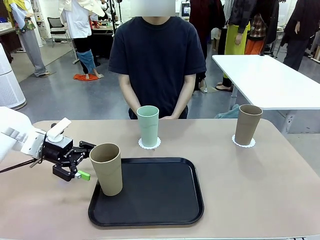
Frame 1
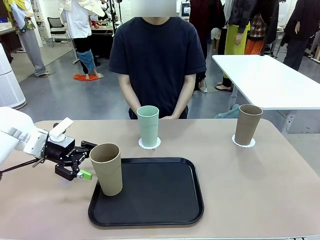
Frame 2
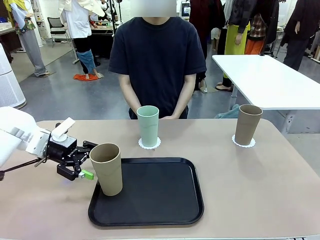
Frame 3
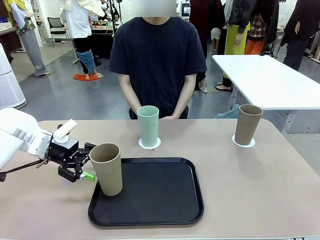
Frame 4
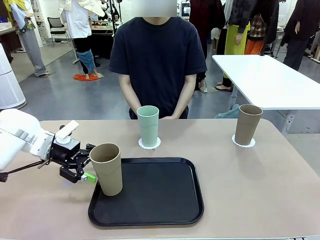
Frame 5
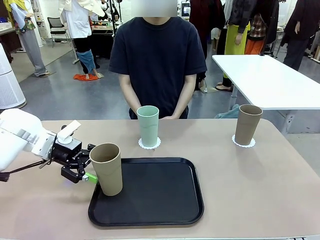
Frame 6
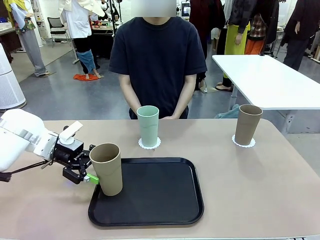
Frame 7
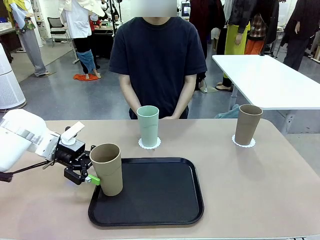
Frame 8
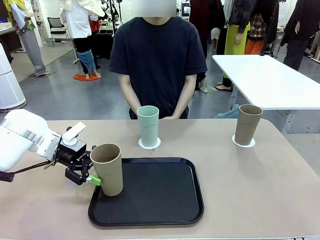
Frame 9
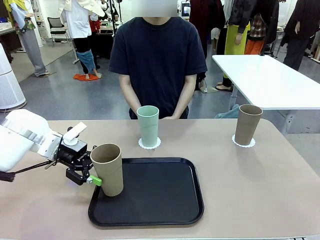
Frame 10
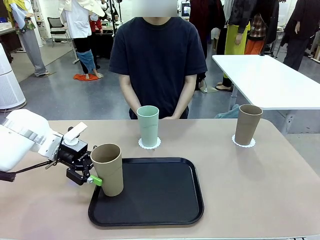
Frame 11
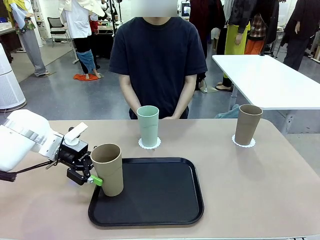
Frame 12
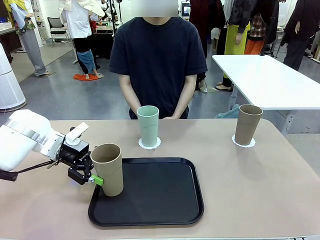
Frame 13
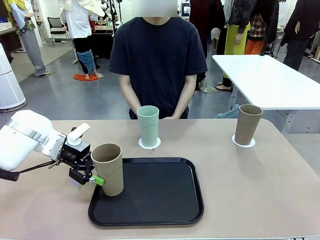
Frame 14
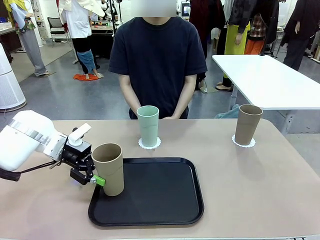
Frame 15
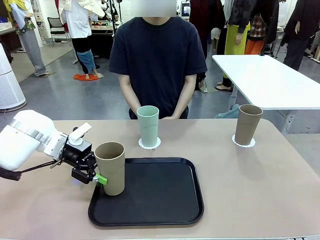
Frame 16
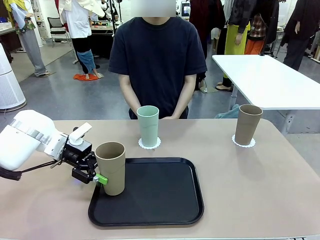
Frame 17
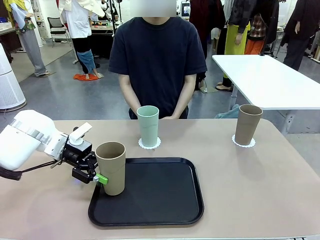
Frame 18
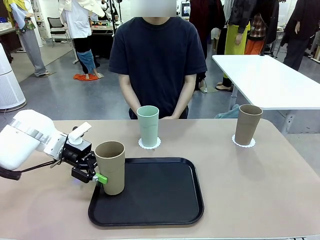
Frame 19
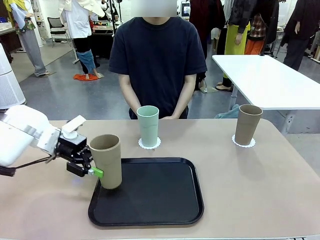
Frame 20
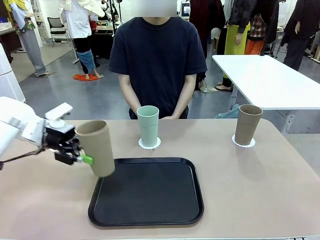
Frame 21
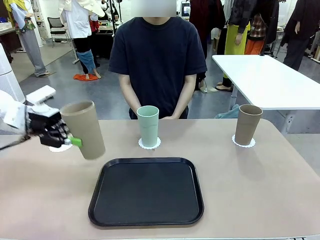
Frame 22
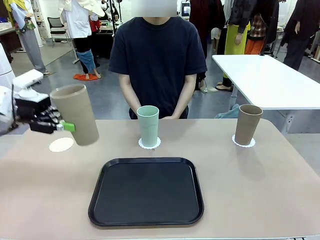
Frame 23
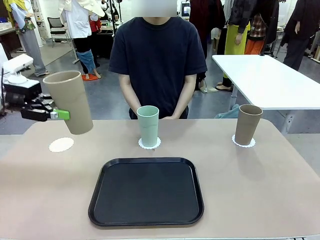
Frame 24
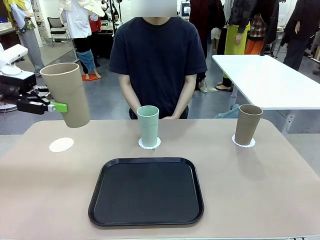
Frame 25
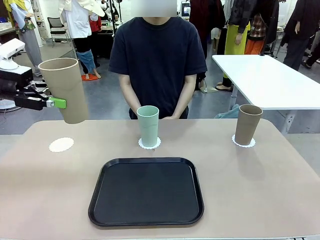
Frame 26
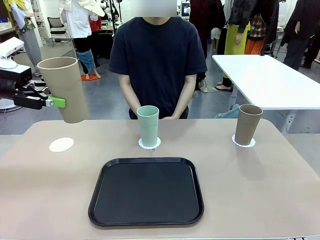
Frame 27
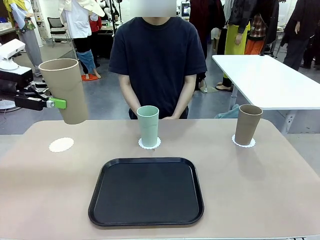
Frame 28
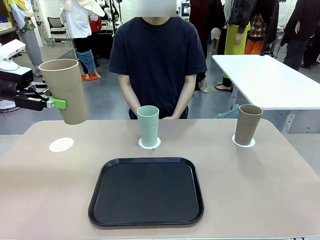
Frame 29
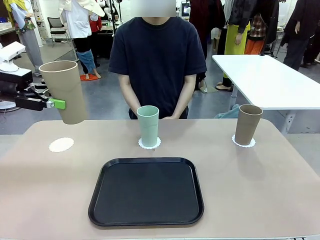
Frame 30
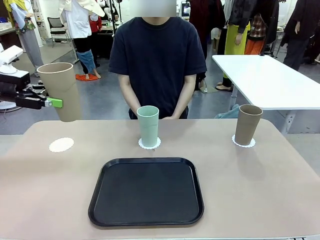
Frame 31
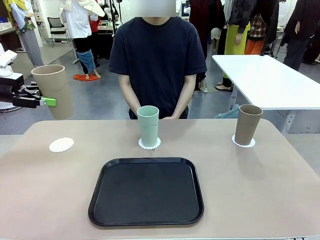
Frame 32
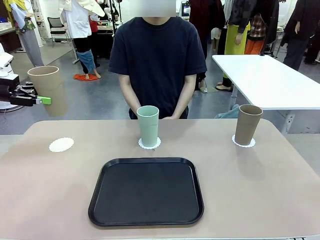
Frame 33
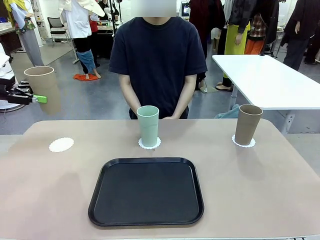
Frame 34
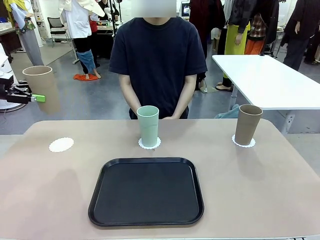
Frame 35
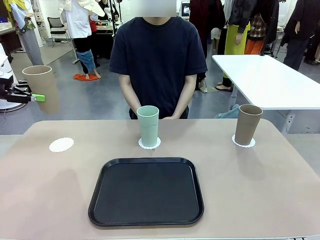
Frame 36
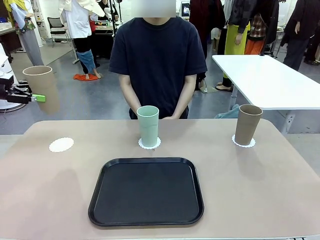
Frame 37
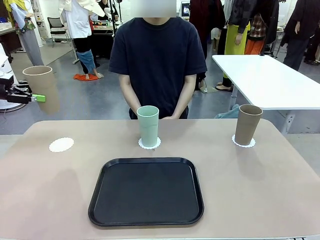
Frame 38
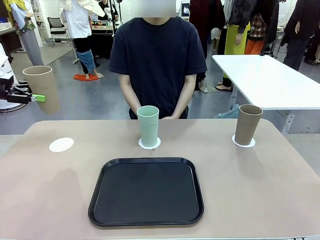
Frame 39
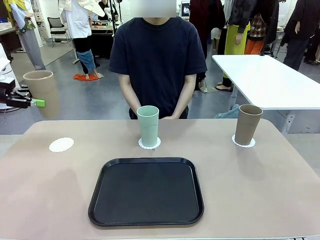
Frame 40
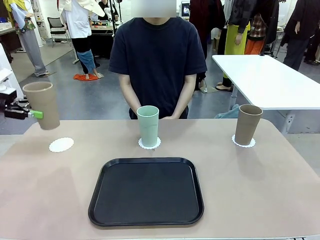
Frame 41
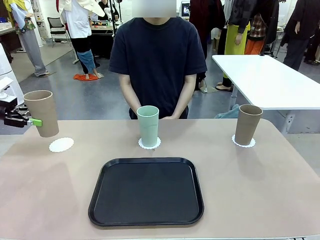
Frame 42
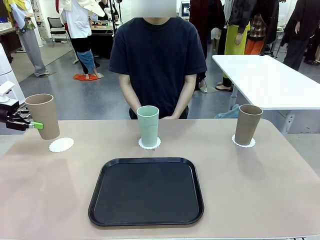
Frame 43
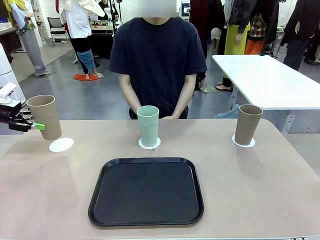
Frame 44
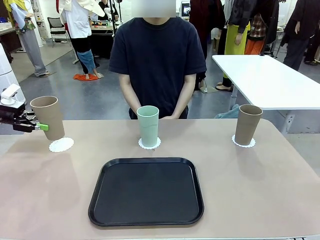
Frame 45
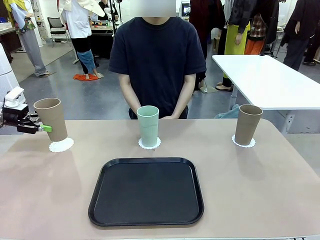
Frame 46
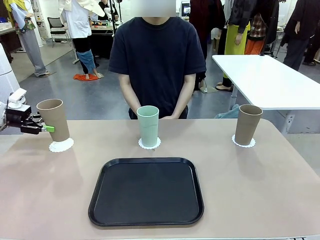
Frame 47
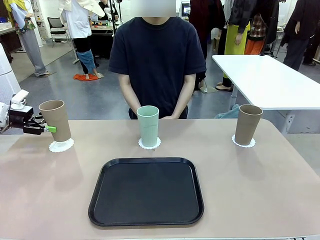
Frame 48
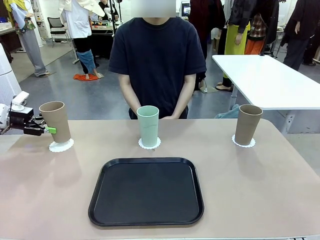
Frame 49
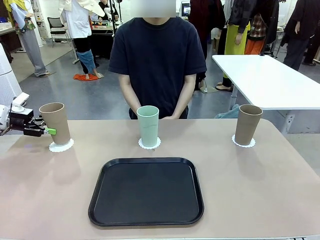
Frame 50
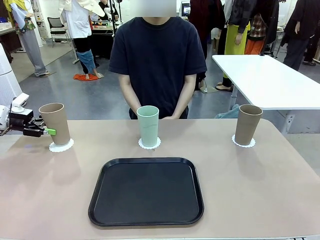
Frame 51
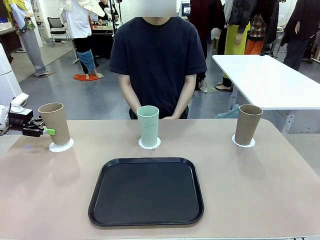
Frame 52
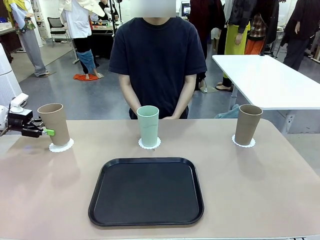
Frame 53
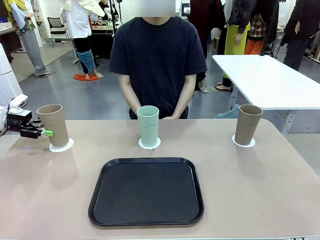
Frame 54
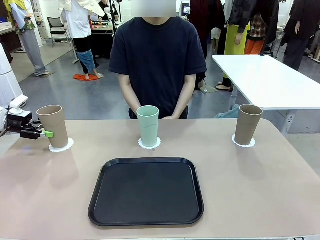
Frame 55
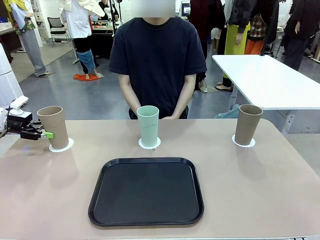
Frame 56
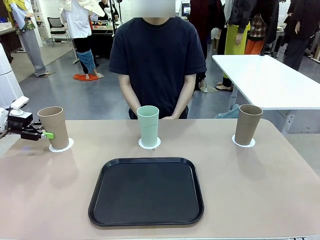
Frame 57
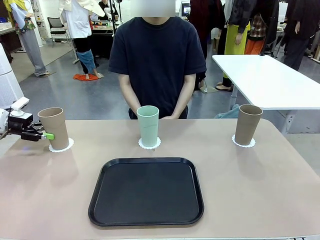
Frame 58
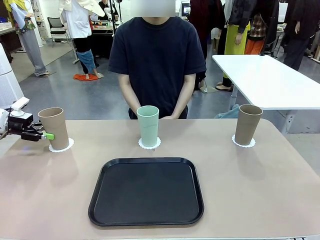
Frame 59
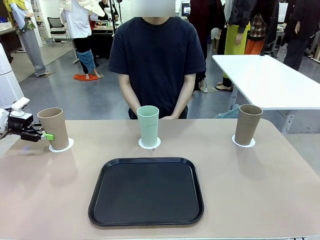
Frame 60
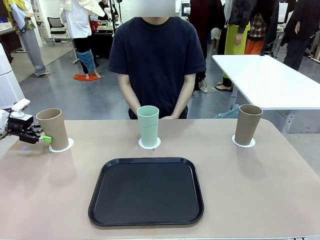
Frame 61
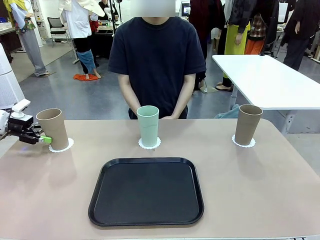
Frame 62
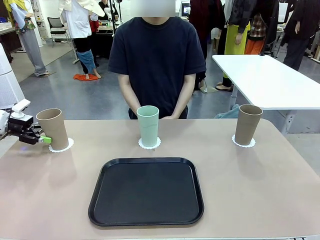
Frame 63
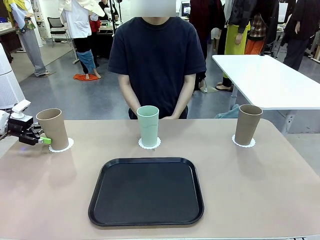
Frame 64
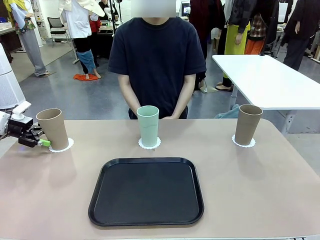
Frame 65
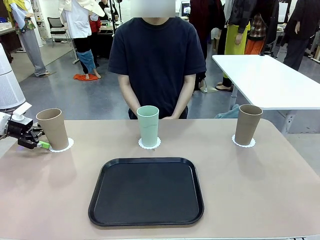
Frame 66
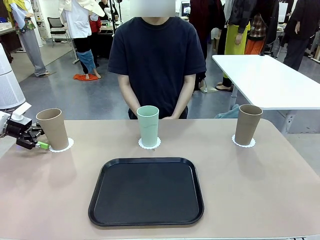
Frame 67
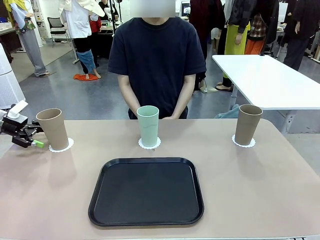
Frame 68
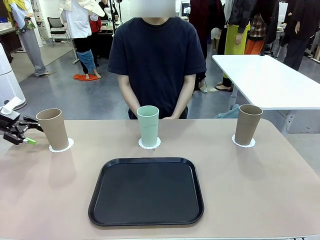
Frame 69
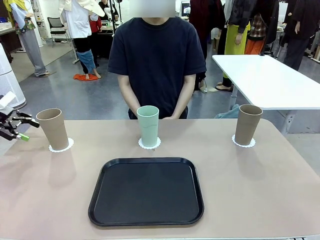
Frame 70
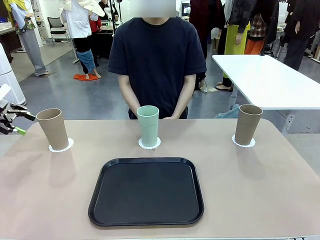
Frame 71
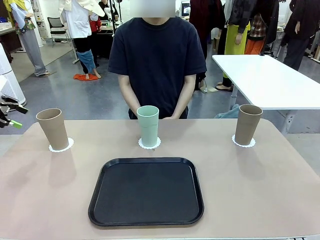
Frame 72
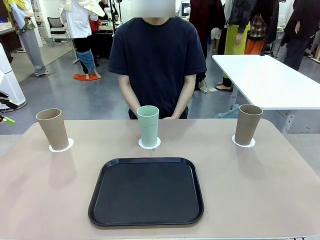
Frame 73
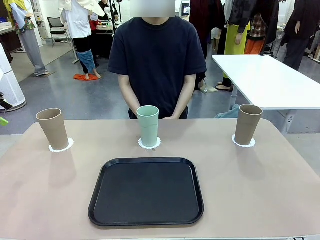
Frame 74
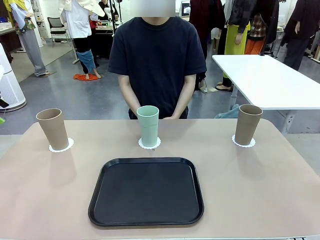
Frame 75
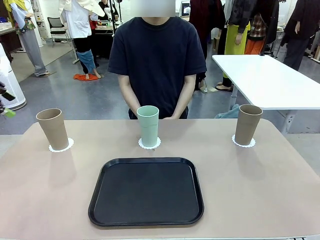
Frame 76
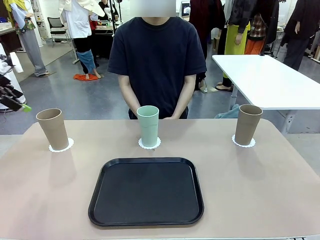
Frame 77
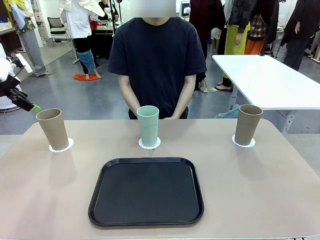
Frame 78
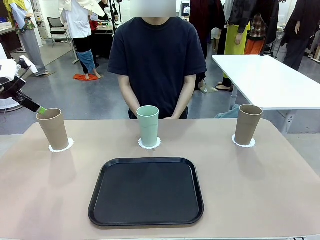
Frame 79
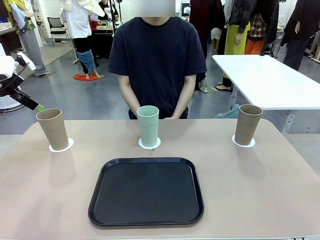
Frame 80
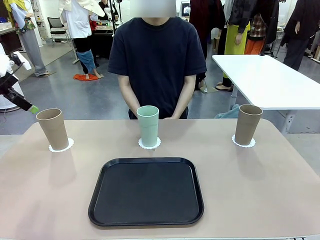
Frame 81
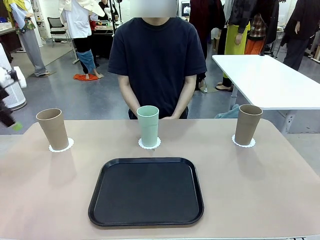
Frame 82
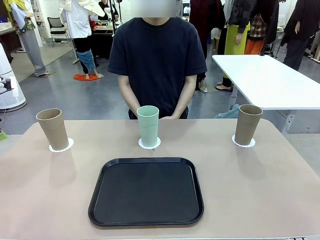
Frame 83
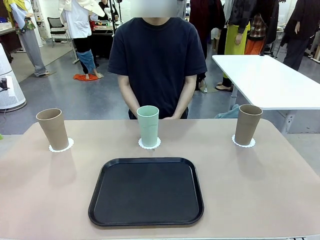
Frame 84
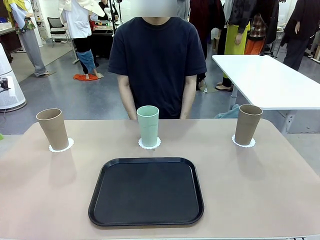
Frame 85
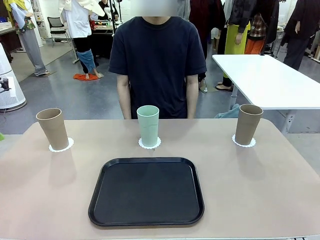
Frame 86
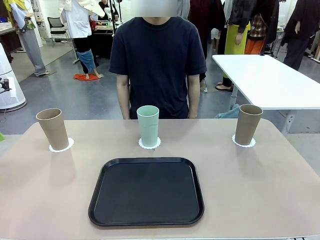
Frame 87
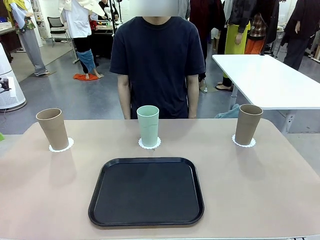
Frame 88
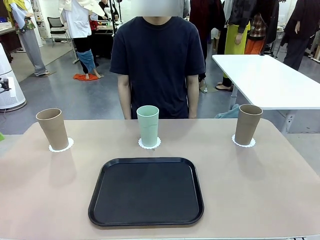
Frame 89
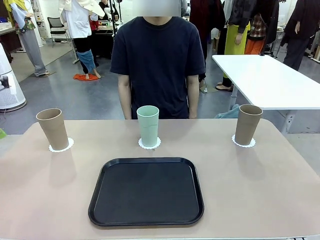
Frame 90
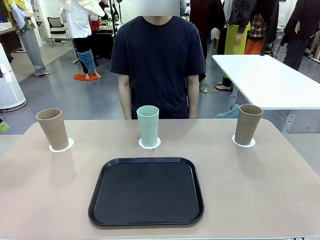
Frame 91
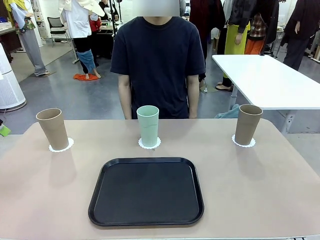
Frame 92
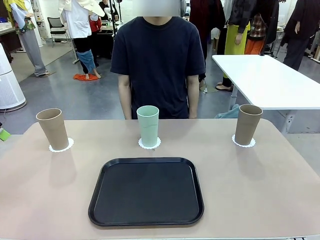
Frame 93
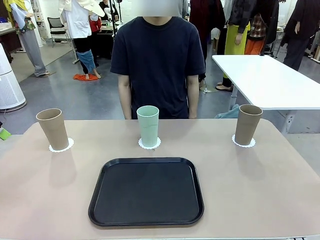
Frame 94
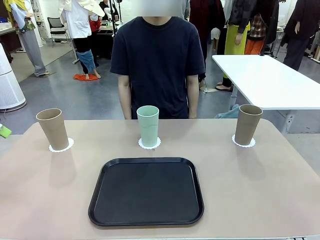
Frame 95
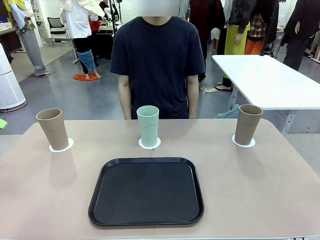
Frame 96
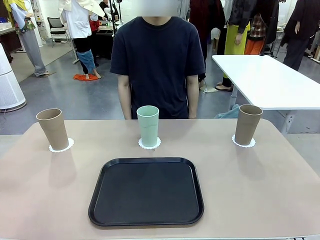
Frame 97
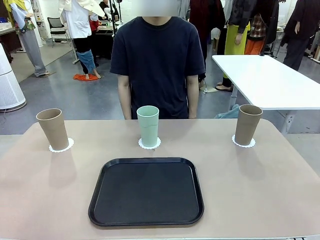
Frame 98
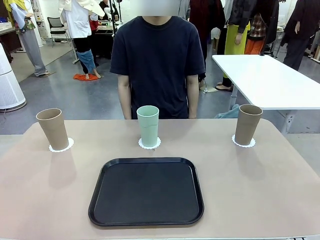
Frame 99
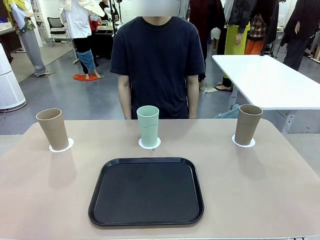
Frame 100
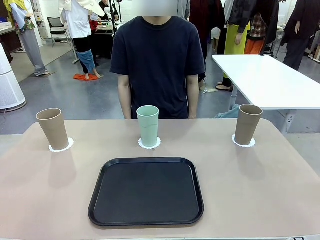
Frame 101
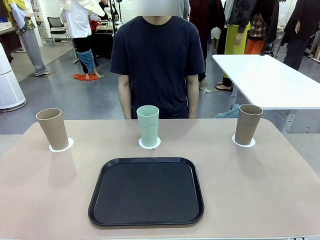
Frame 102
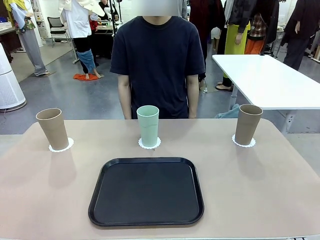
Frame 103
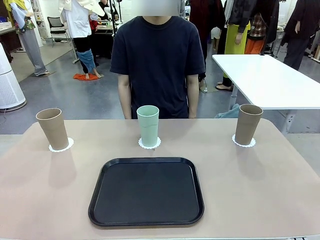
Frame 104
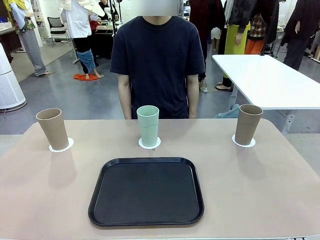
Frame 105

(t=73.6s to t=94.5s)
Task: Place coasters on the table and set cups on them.
Robot: Take one Reusable plastic cup from the Flat Tray and place it on a coaster set by the human.
